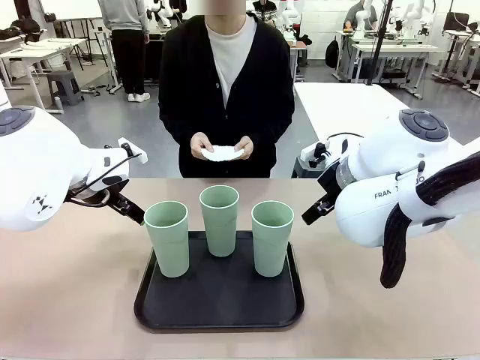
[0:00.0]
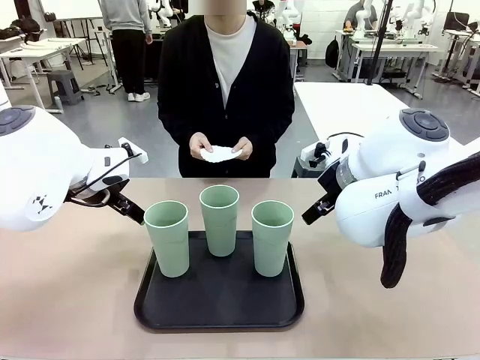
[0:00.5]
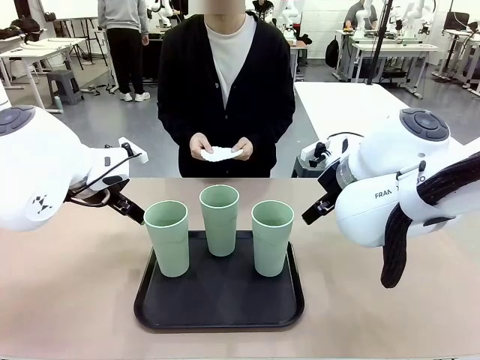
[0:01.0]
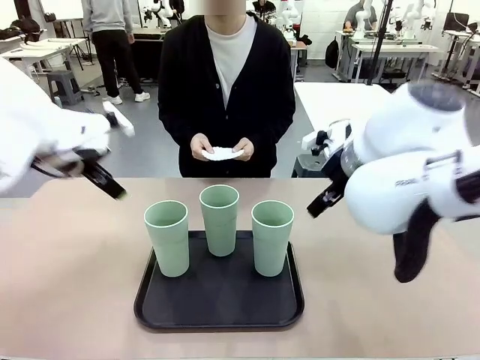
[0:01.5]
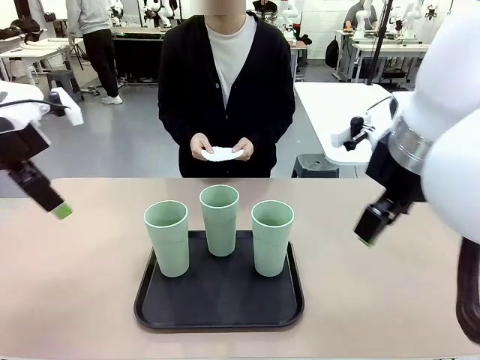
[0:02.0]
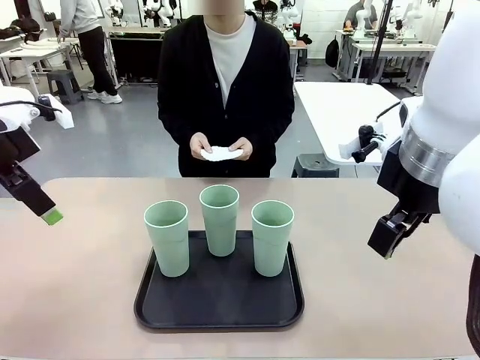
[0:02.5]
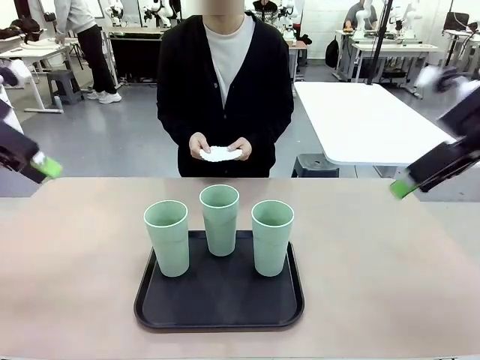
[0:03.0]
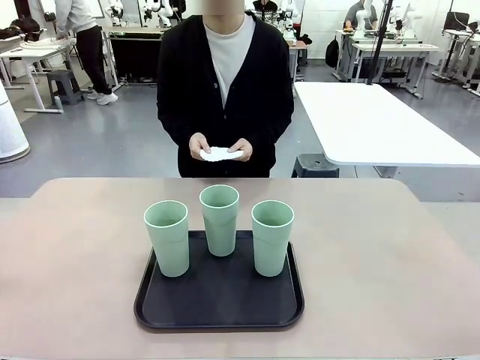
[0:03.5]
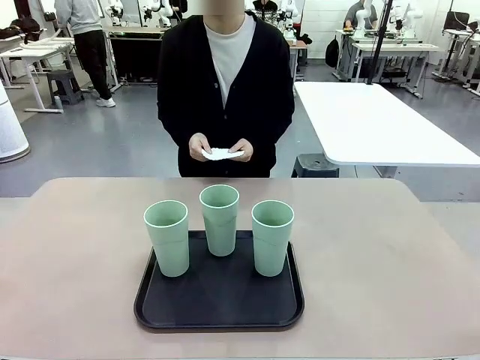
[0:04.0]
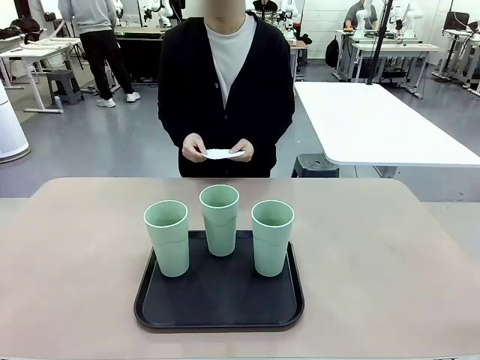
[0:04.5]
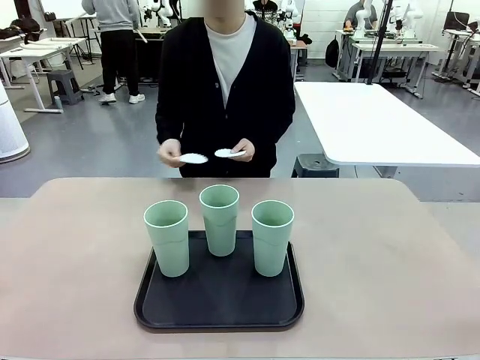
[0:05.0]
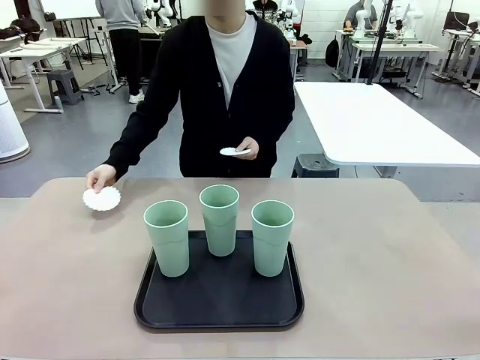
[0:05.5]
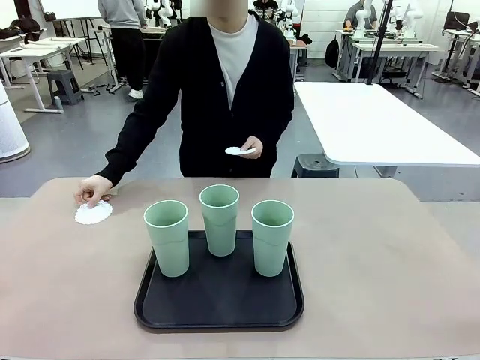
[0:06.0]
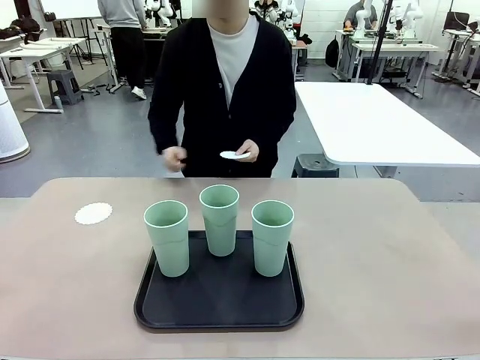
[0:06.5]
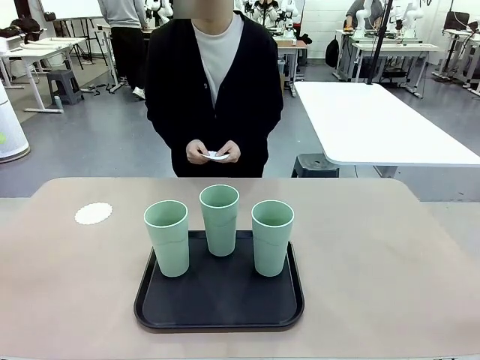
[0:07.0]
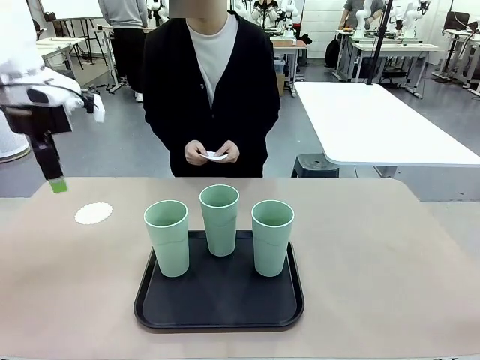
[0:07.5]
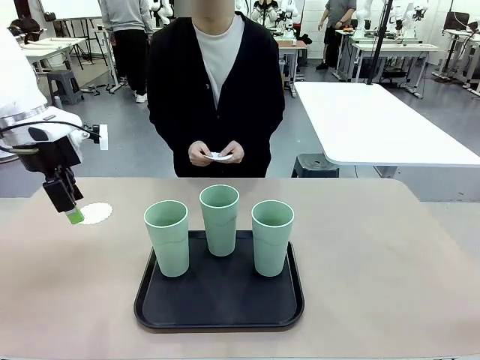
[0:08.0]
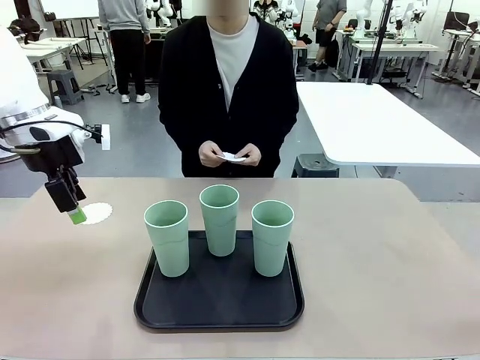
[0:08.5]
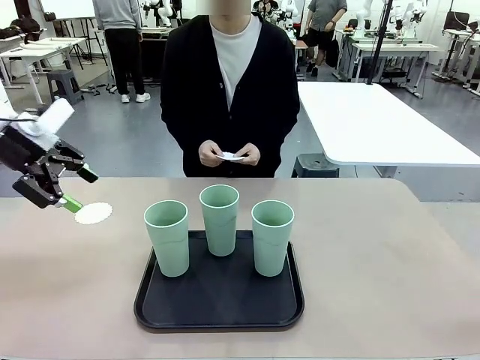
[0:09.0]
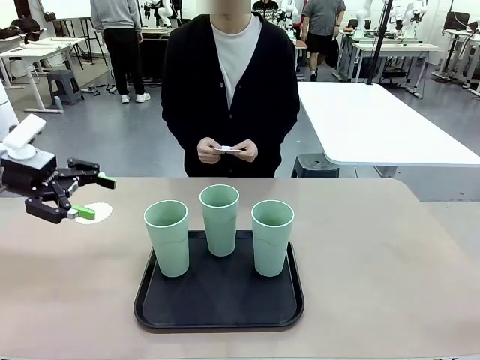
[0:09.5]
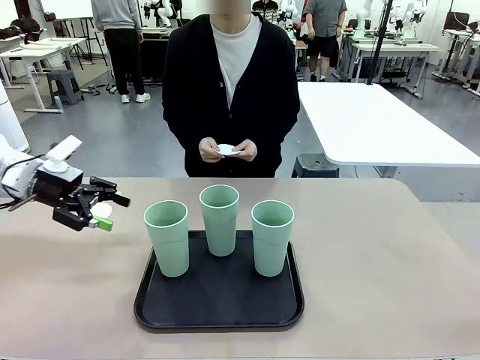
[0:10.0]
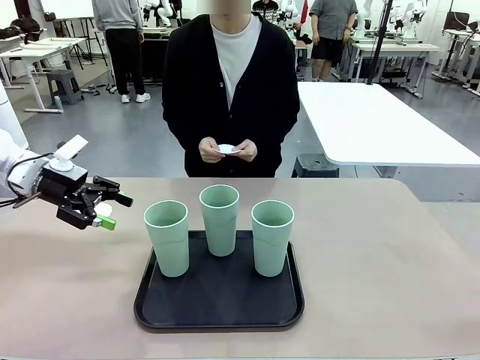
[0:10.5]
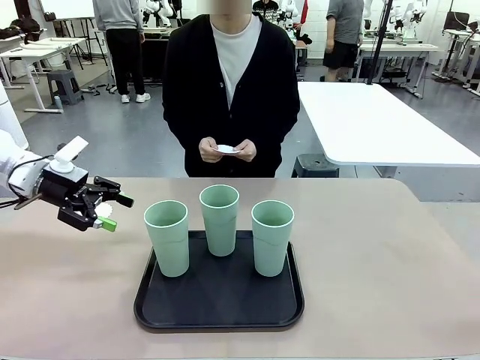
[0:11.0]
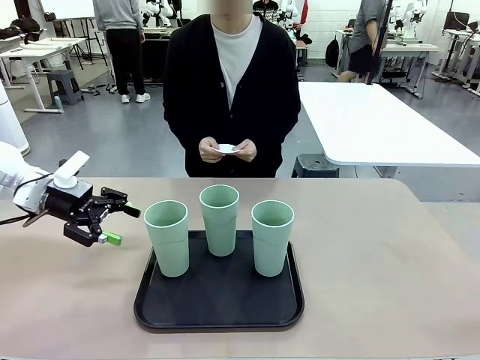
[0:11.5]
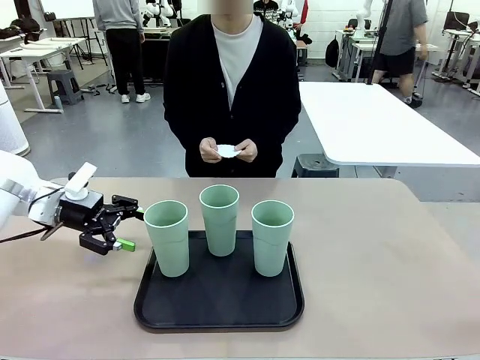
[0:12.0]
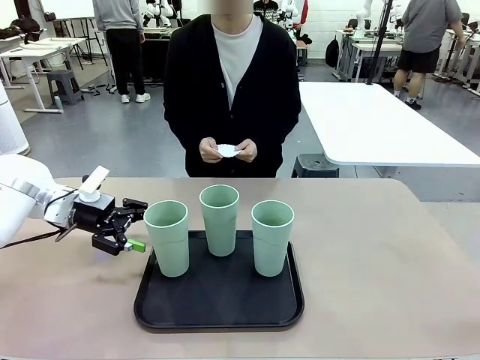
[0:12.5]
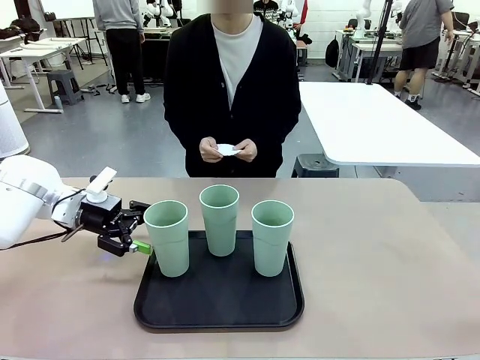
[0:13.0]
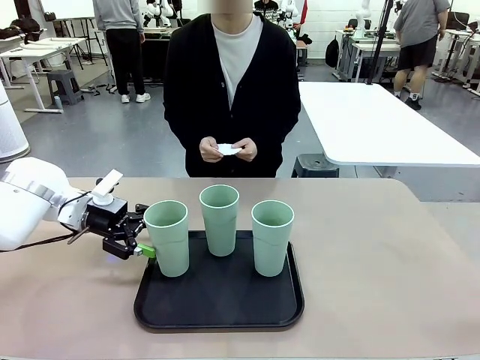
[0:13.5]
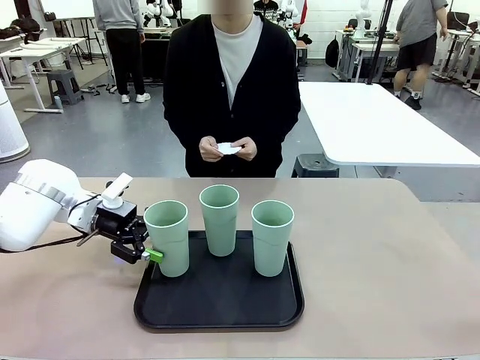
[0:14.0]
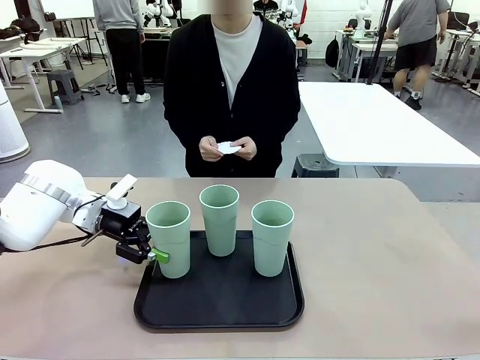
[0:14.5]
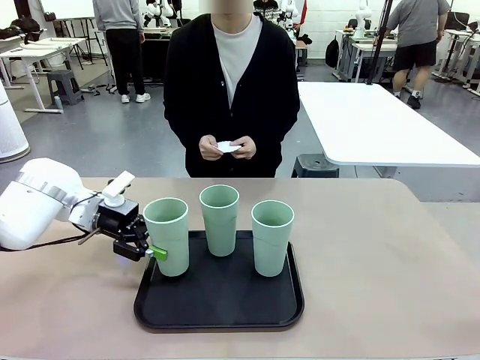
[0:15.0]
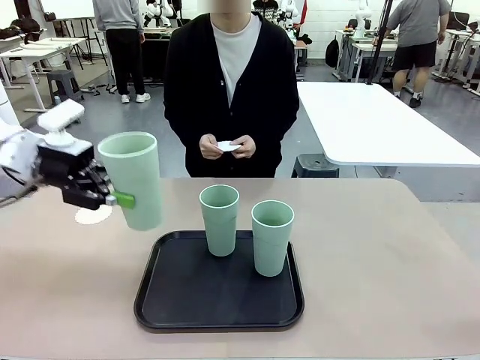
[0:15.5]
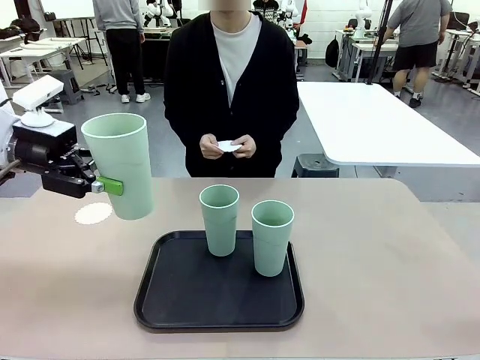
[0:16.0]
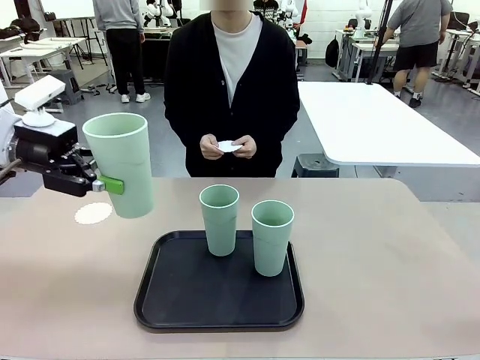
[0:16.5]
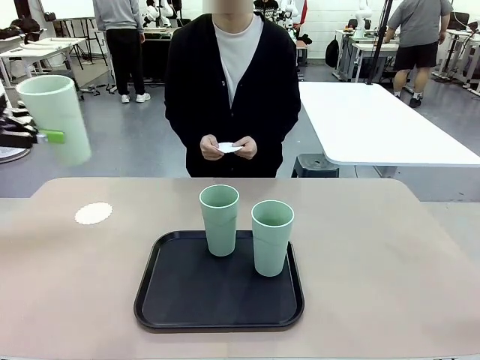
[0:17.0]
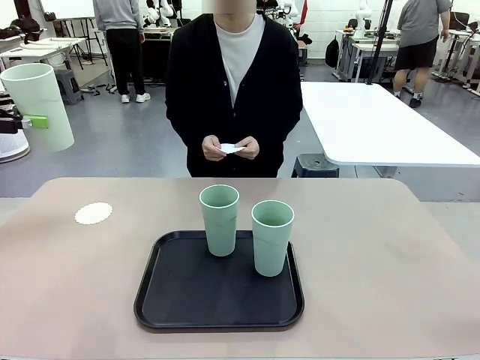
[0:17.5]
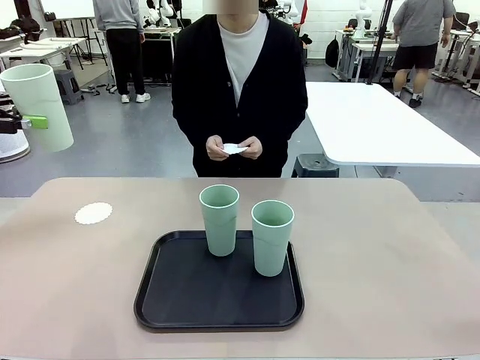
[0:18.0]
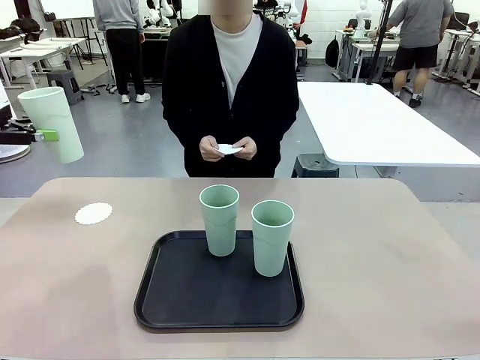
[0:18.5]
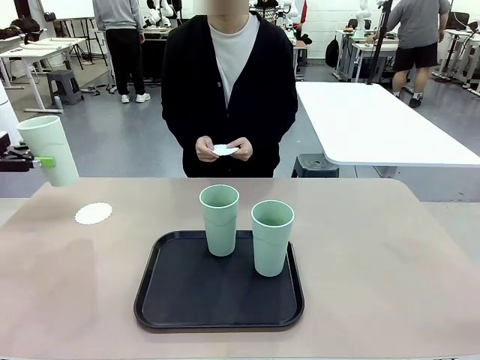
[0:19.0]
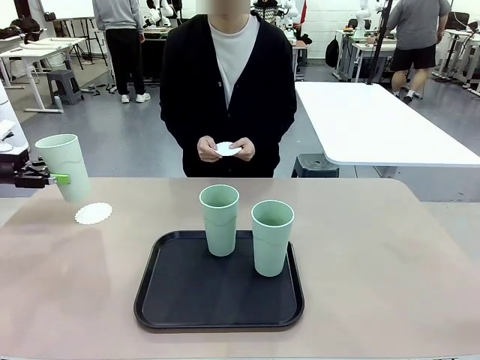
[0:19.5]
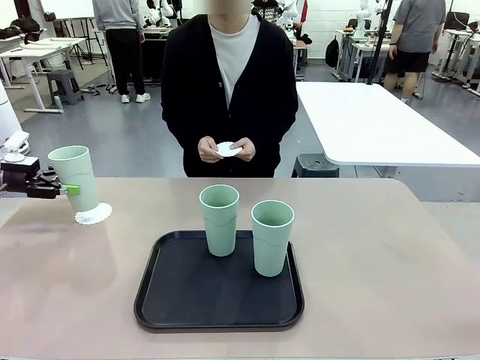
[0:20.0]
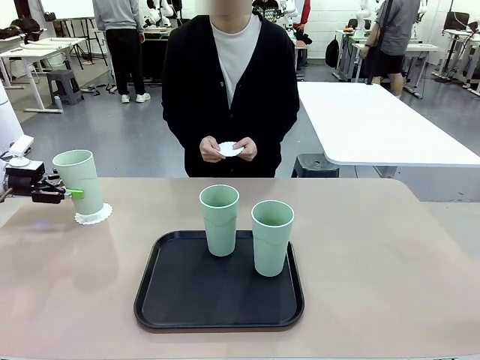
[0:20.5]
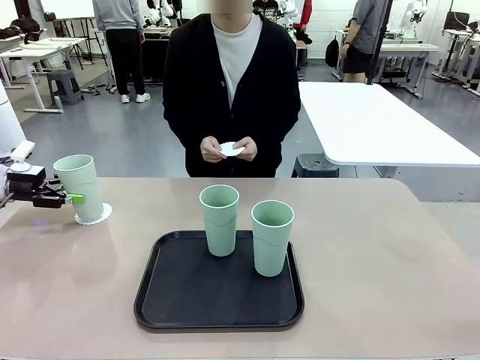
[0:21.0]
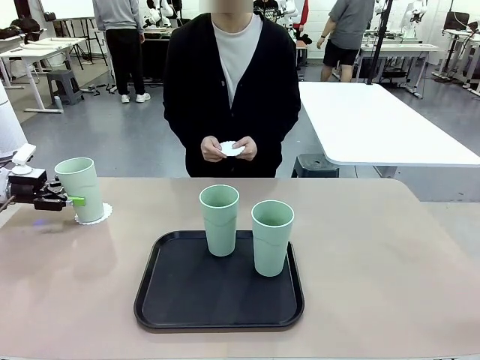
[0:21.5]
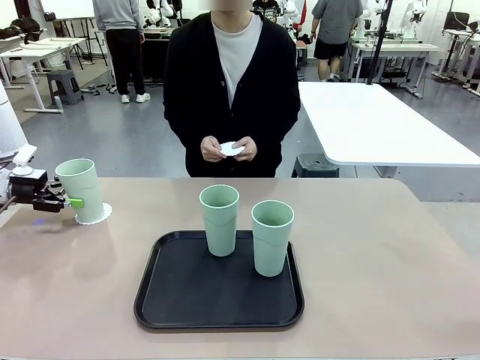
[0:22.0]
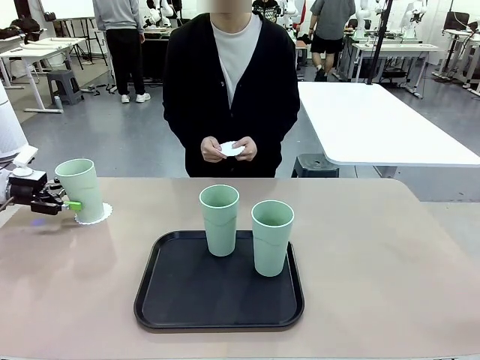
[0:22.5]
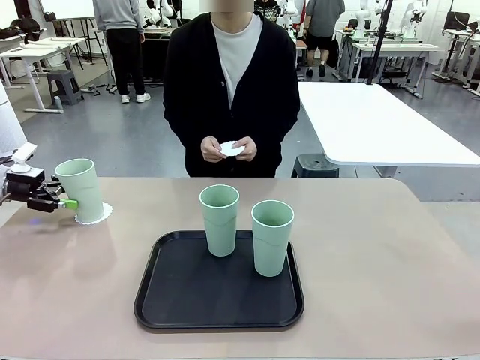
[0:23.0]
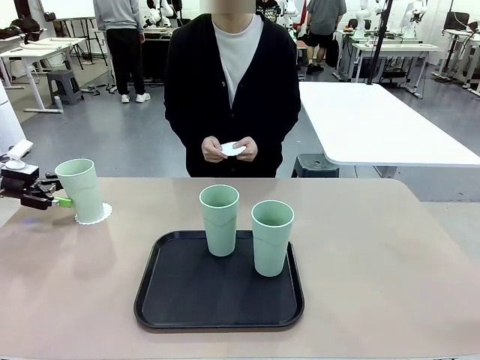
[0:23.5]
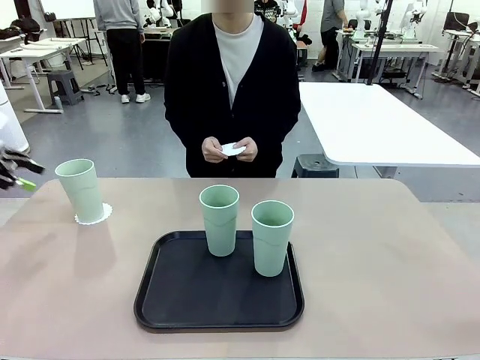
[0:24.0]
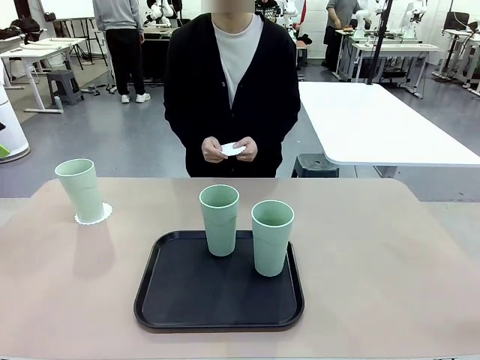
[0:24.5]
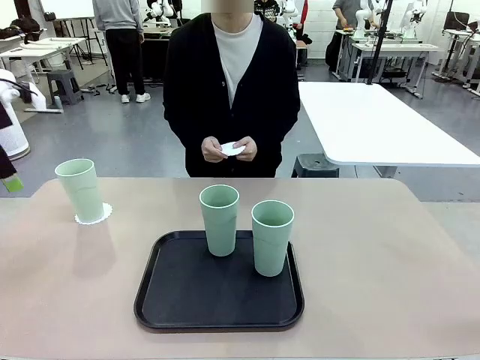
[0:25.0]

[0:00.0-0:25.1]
Task: Place coasters on the table and set cups on them.
Robot: Pick up one Reusable plastic cup and place it on a coaster set by the human.
Person: Place one coaster in any one of the three lower areas of the robot table (left, center, or right). Place one coaster in one of the two areas excluding the previously selected area.
